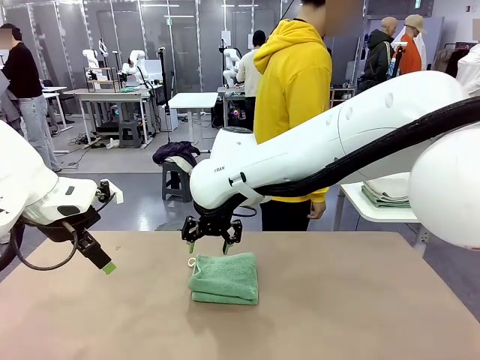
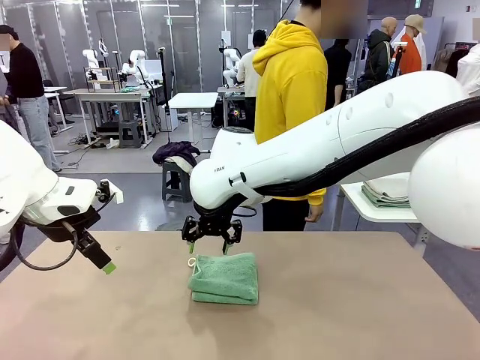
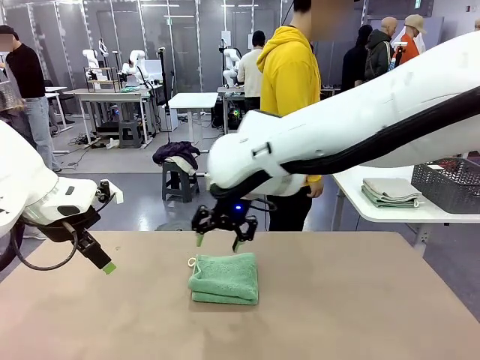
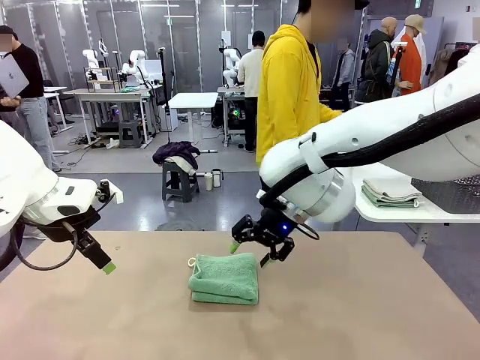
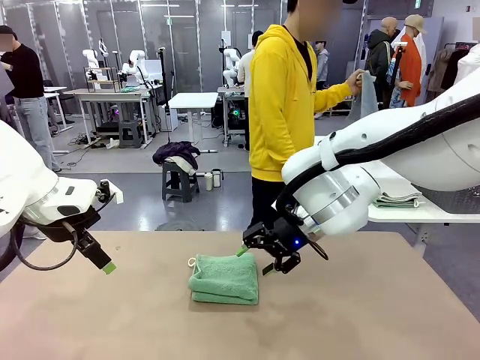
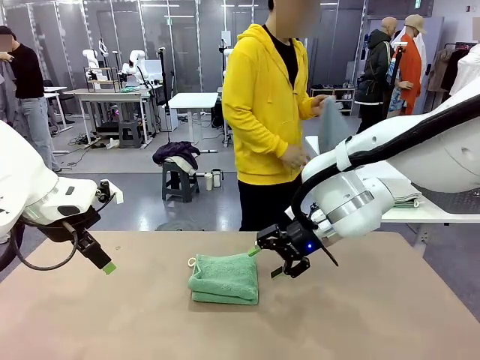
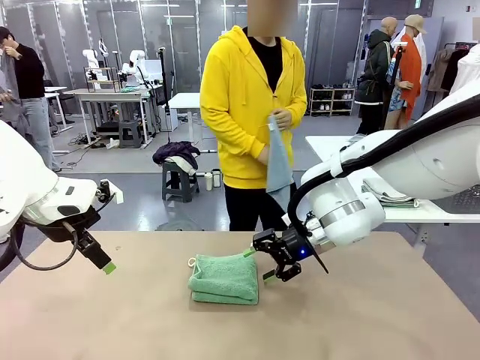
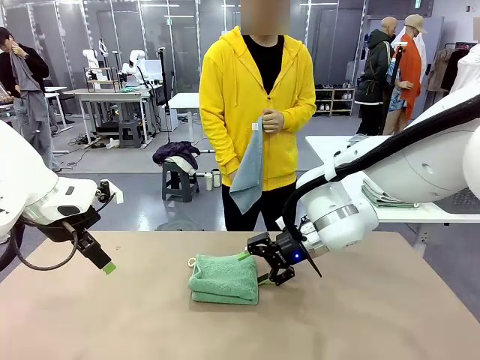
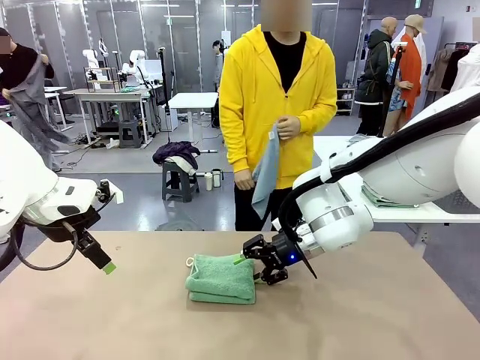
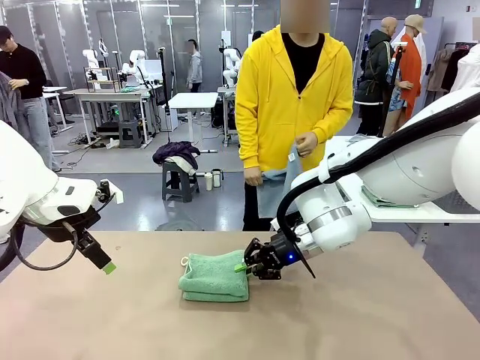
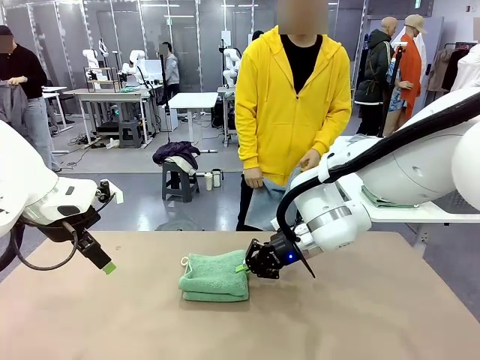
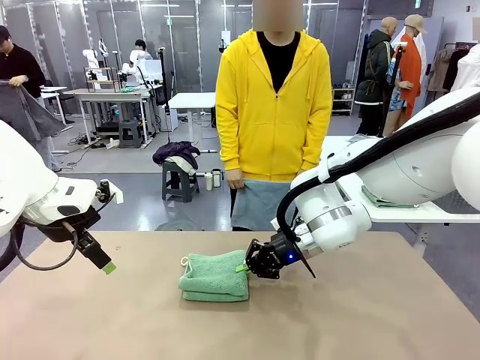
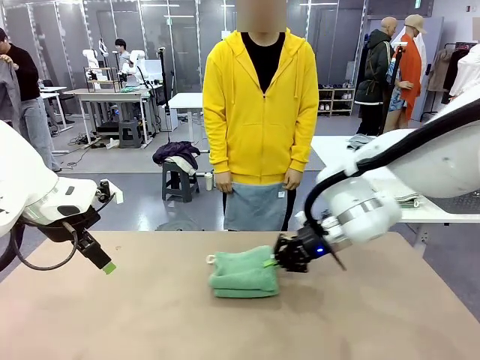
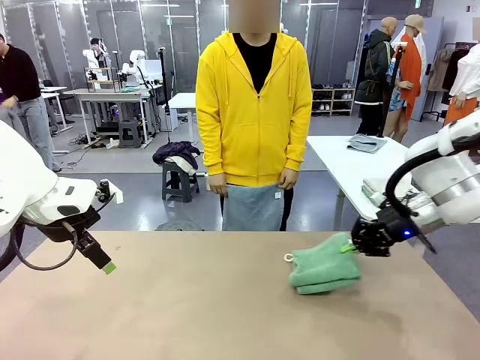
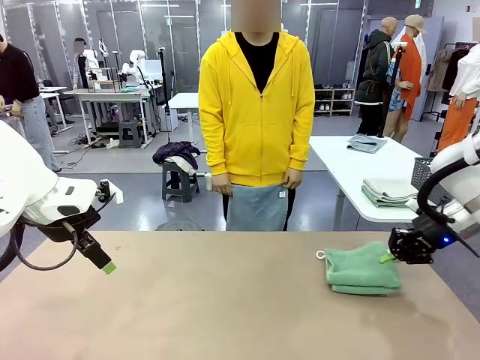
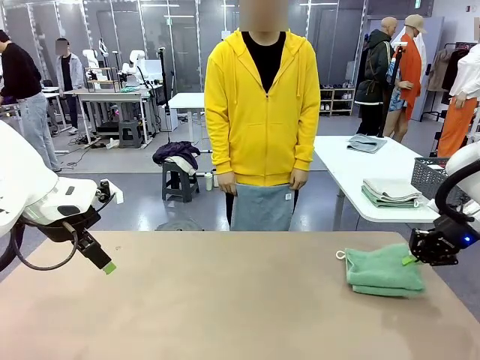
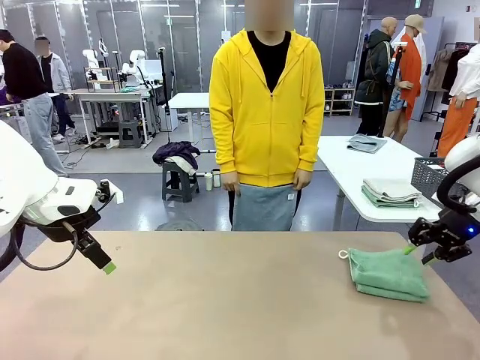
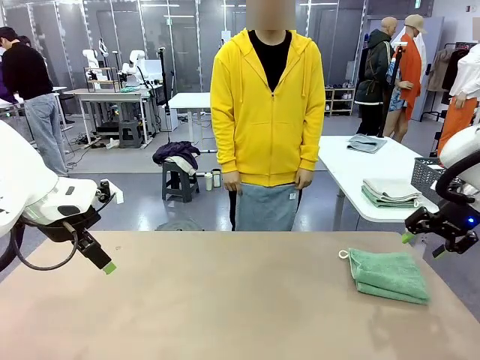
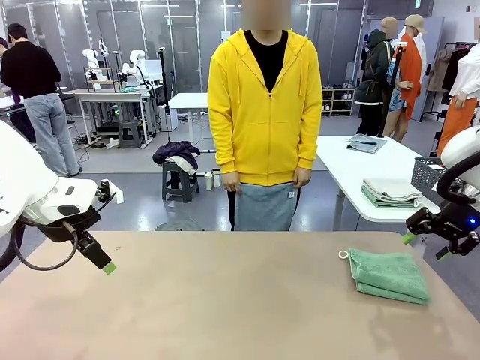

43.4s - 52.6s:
Task: Fold the towels and place them in the basket.
Robot: Place the folded Towel with hook on the right side of the table.
Person: Pick up one towel from the left side of the human table and spread it out at the center of the robot table.

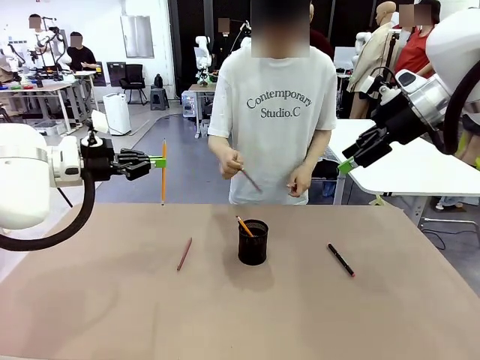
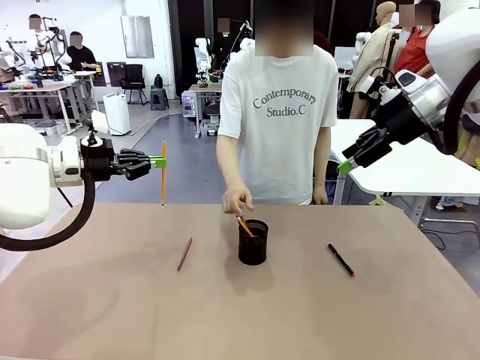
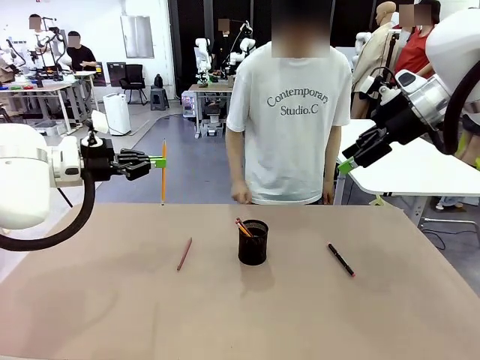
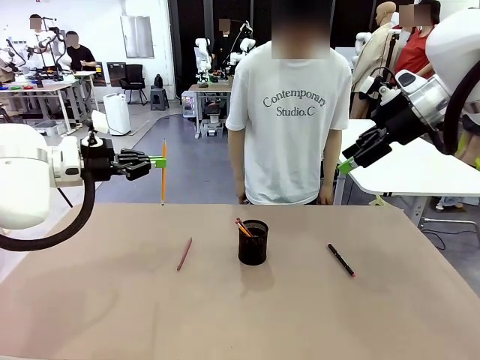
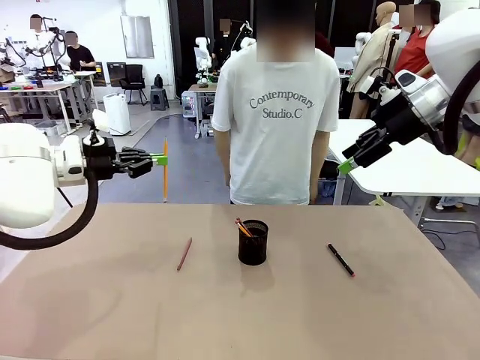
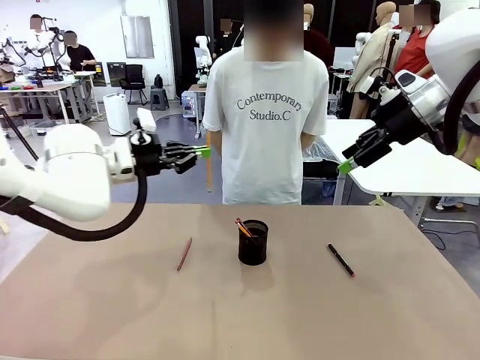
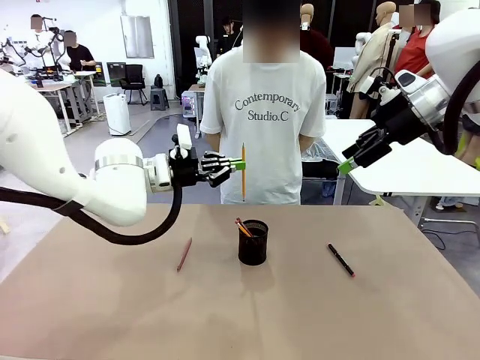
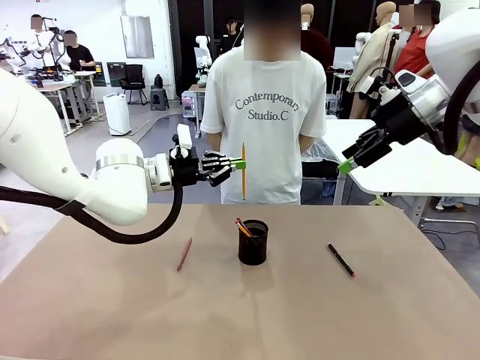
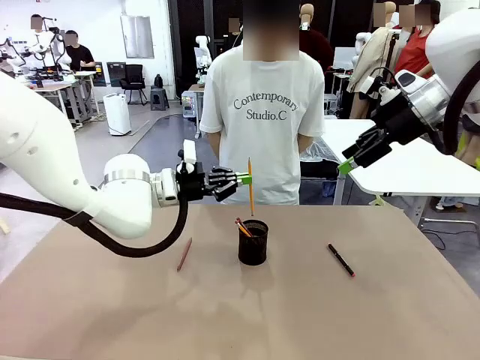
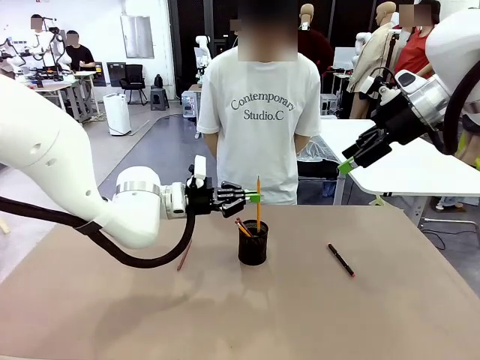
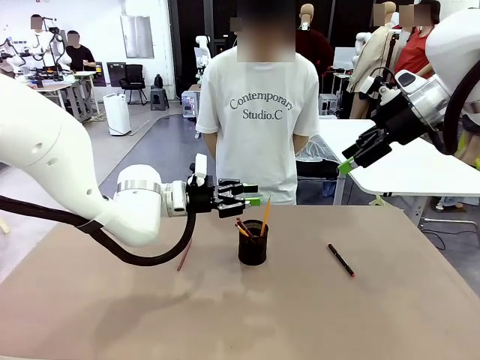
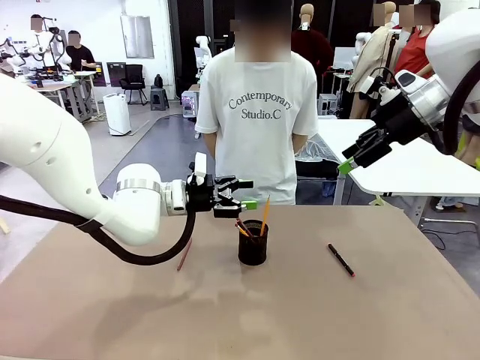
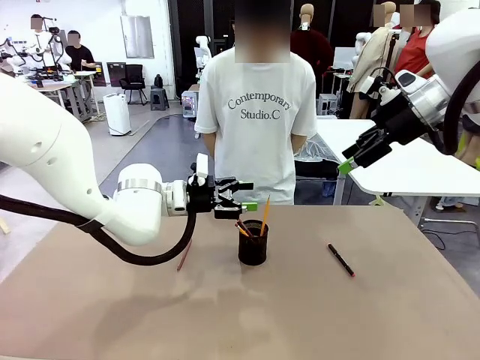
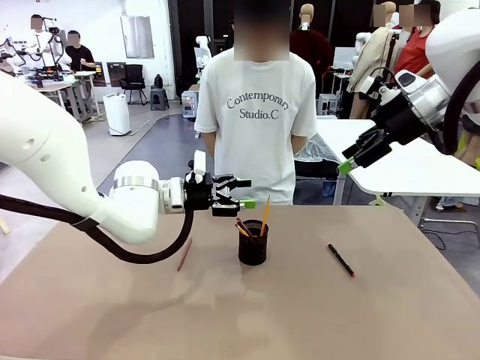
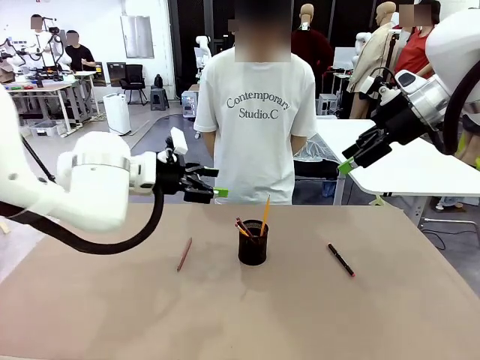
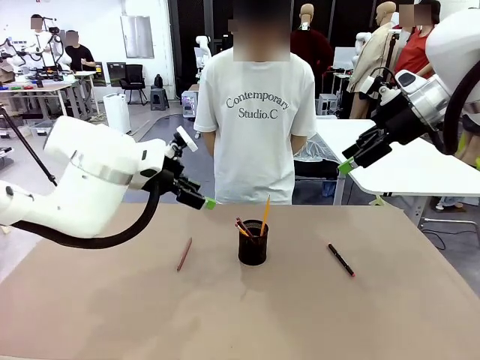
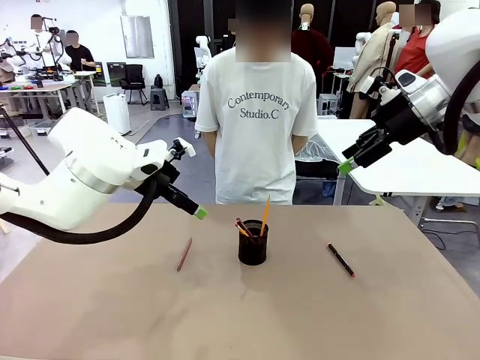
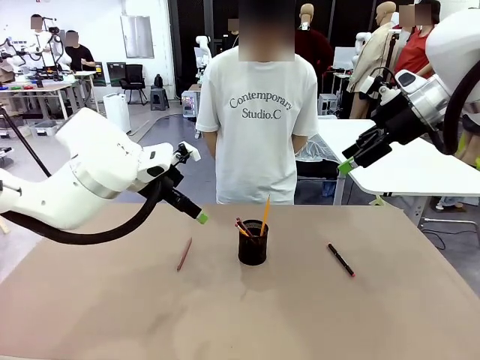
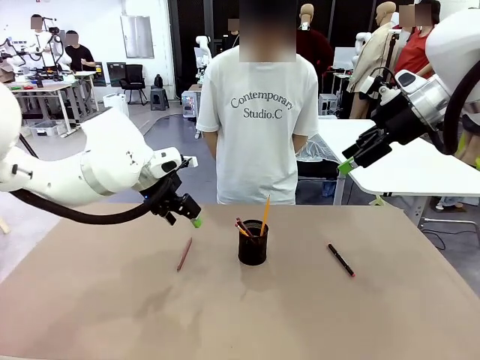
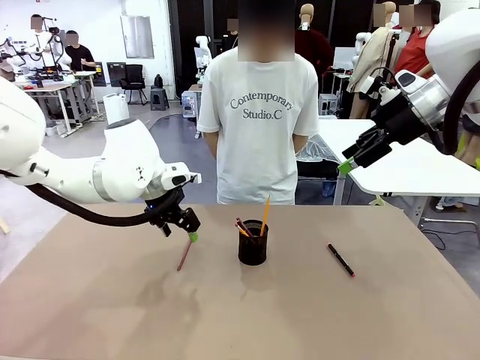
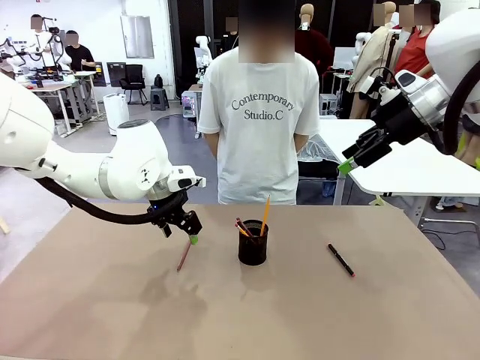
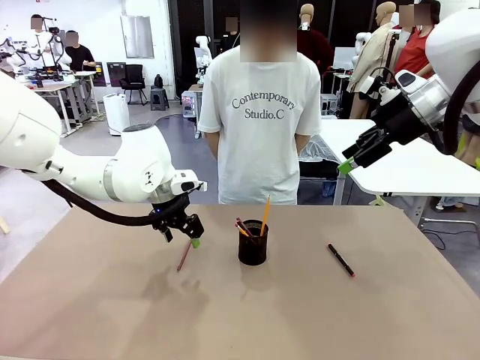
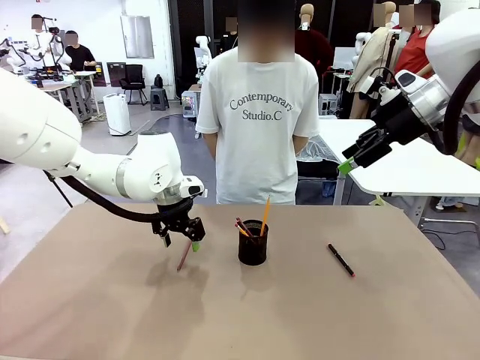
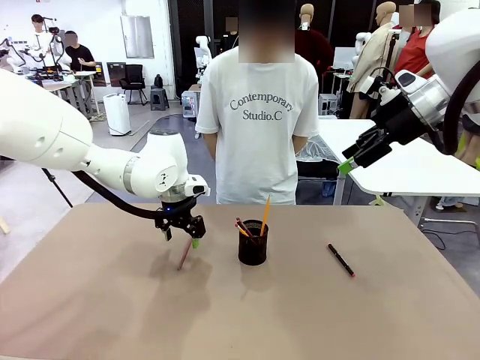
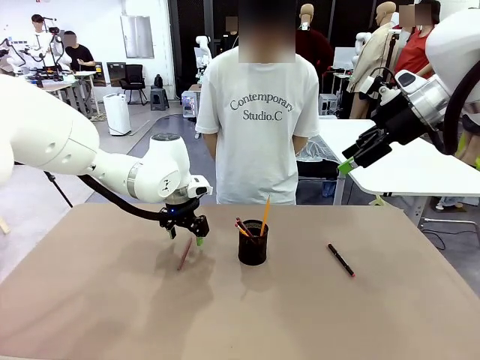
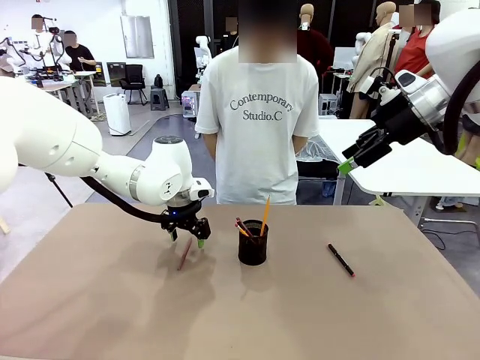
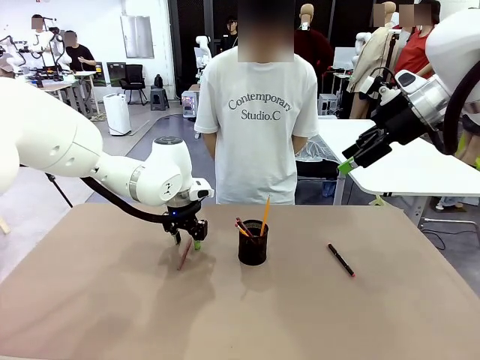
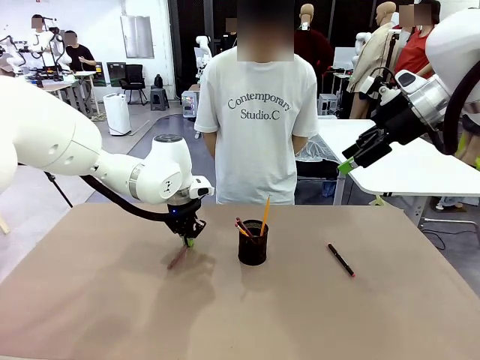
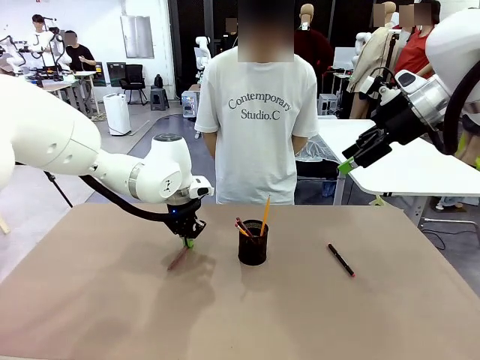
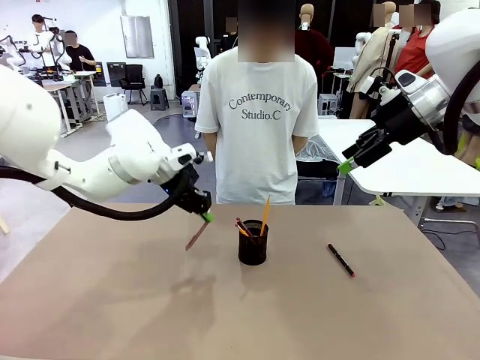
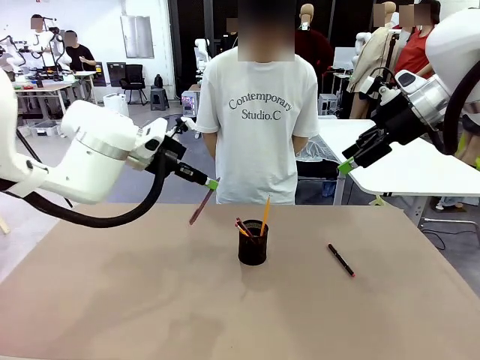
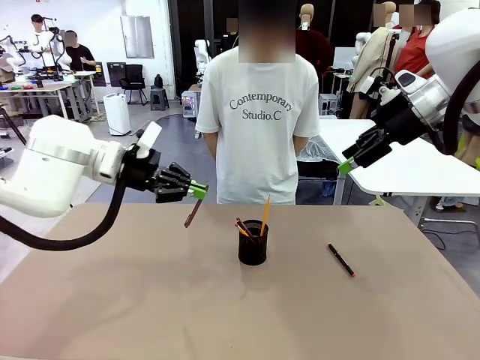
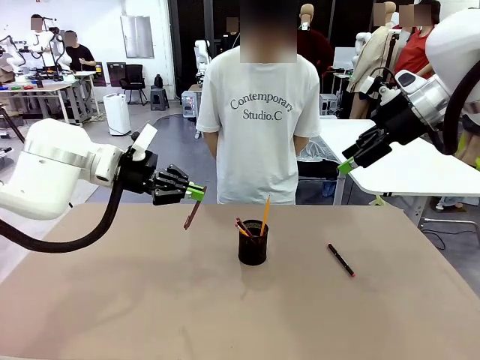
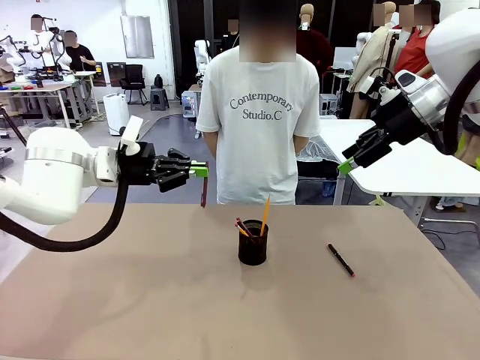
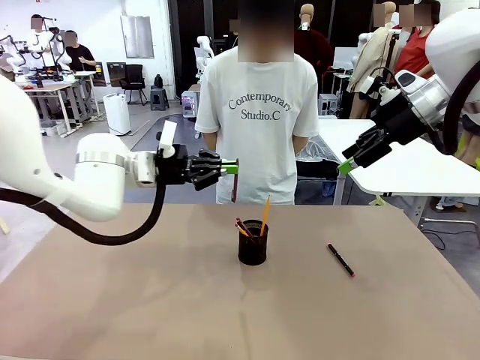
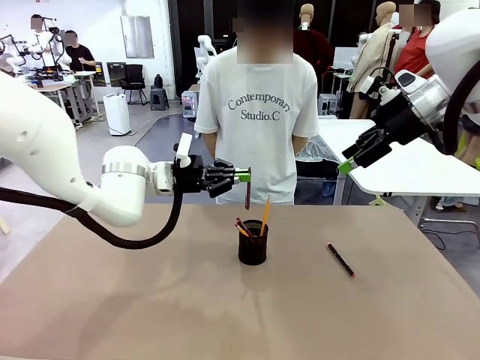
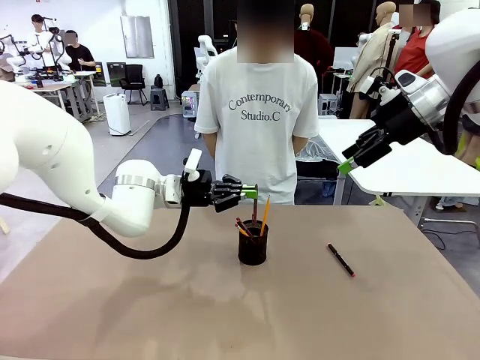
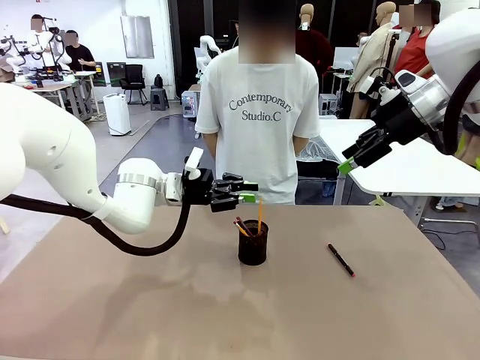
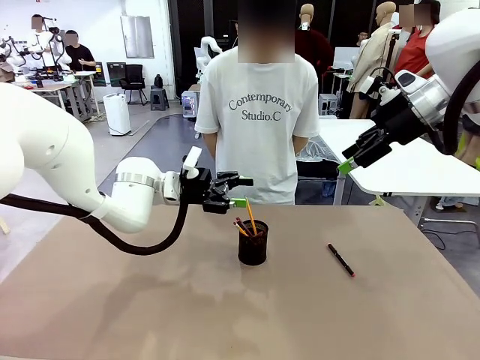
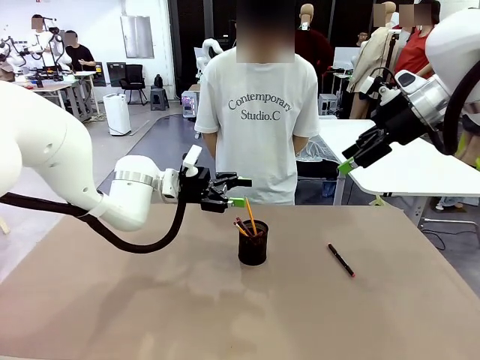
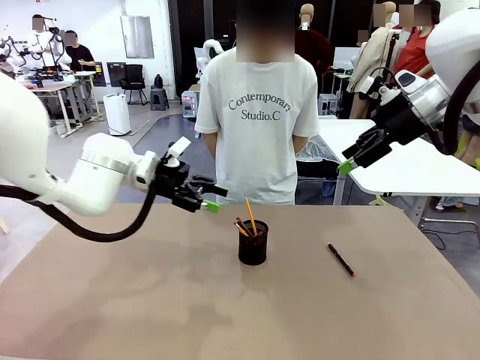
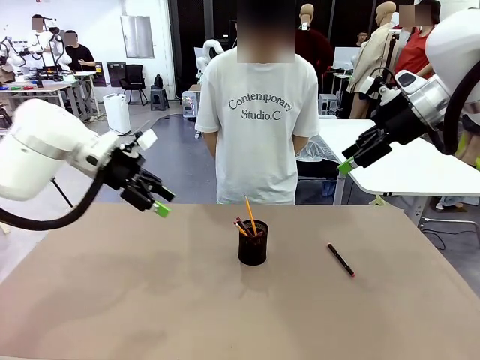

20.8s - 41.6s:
Task: Place the pens into the pen holder.
Robot: Pick up a writing instrument from the table and place it into the Pen holder.
